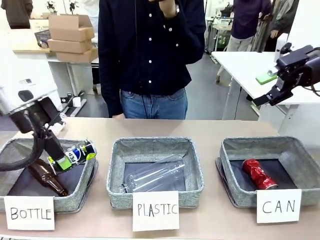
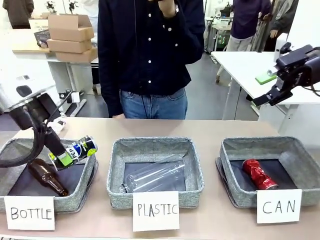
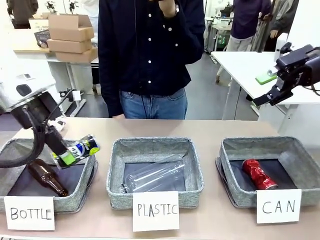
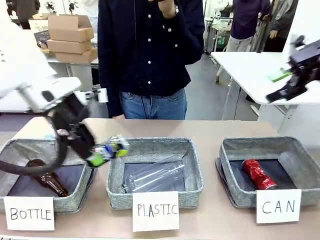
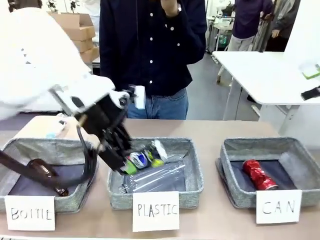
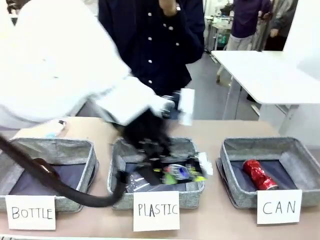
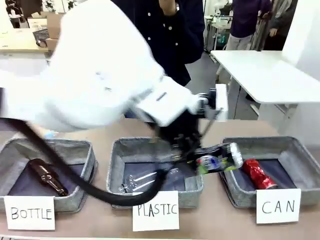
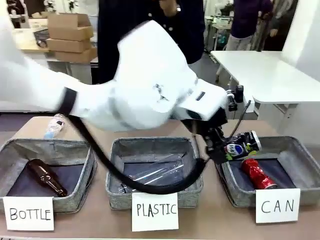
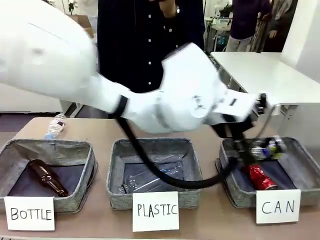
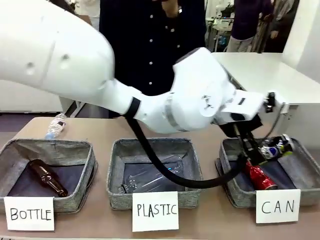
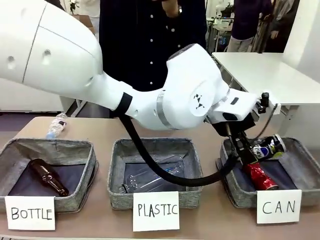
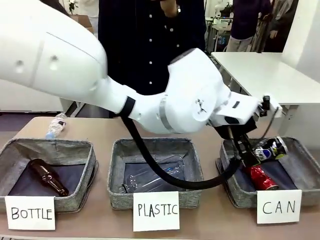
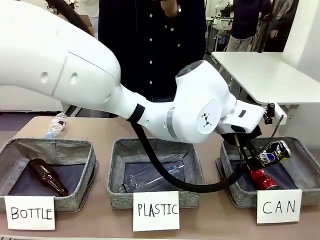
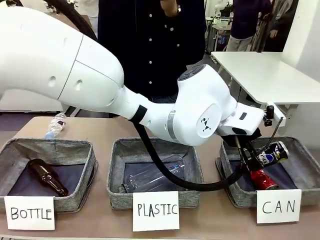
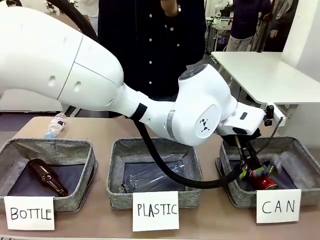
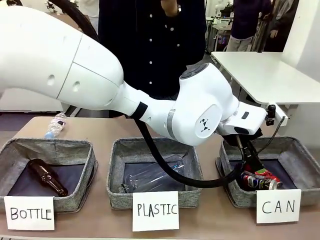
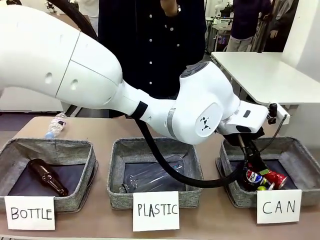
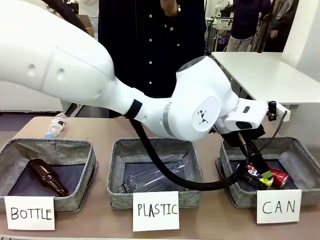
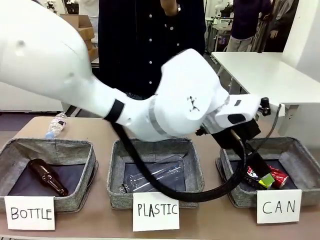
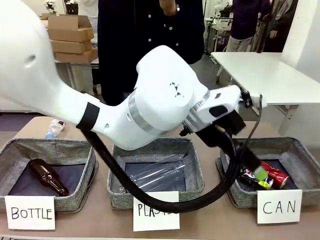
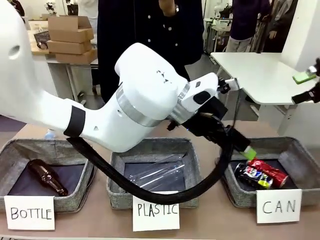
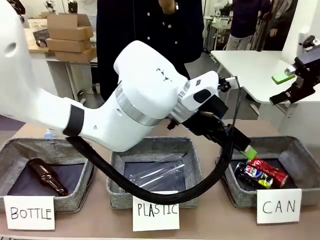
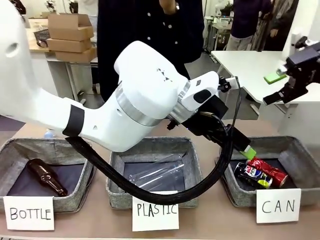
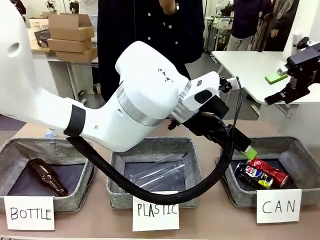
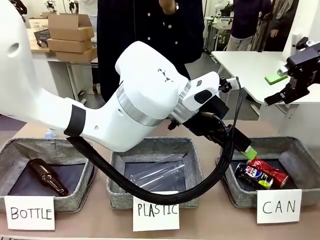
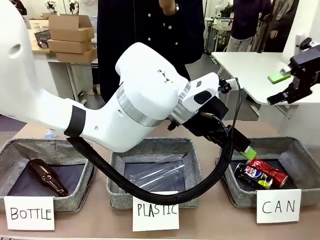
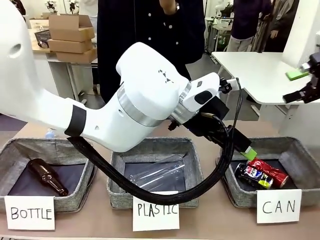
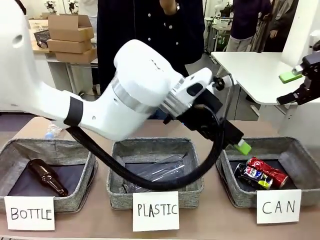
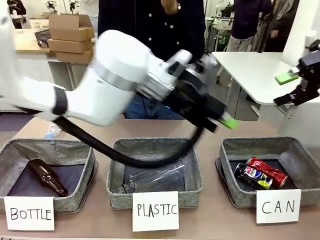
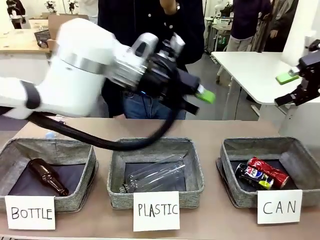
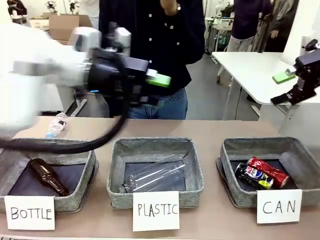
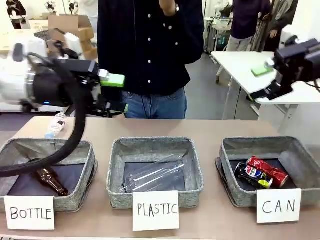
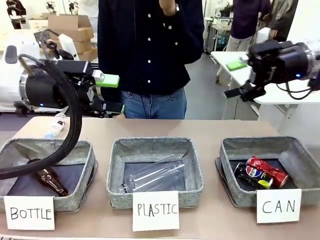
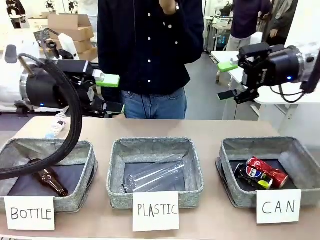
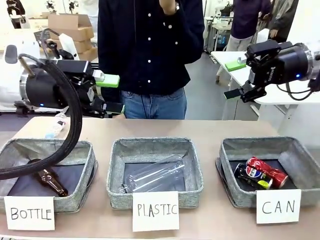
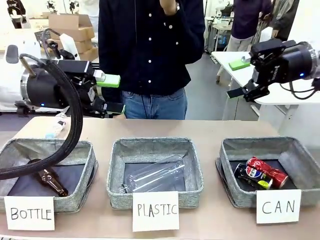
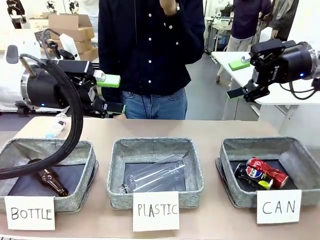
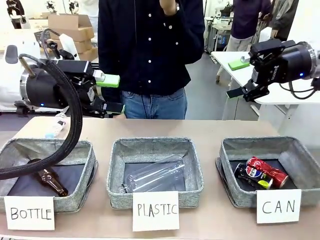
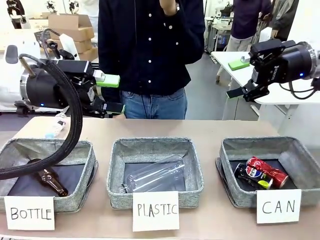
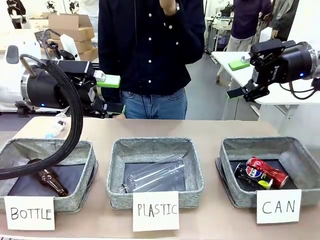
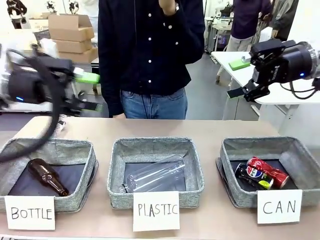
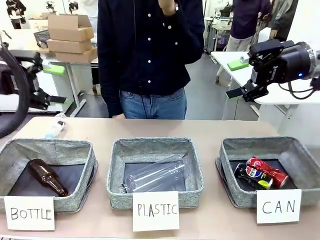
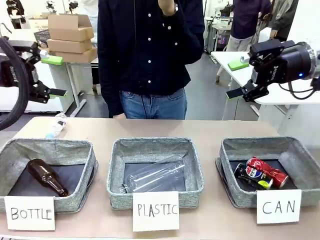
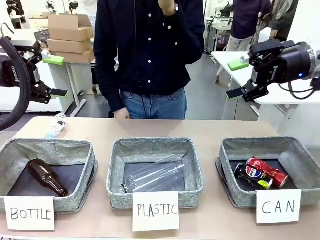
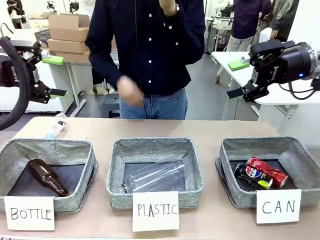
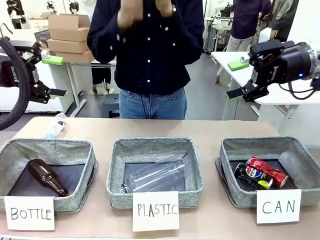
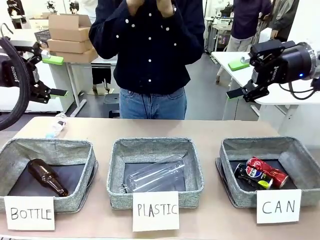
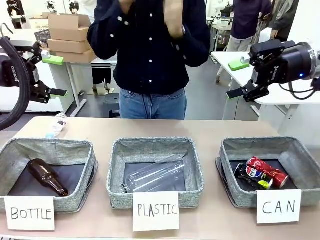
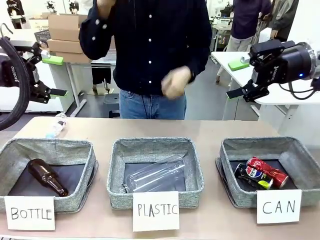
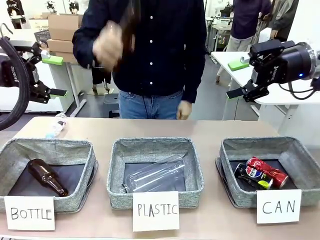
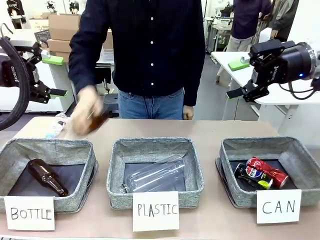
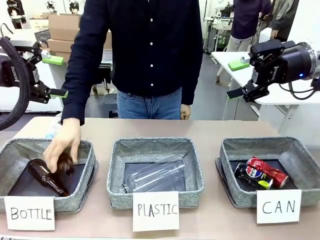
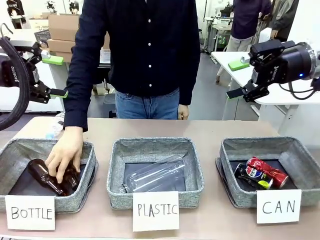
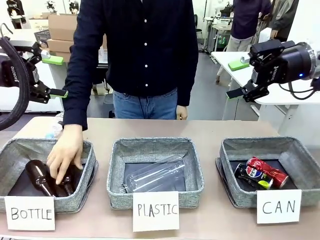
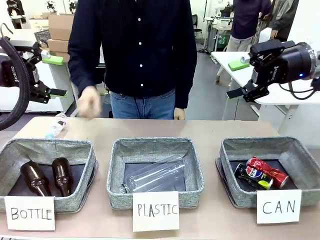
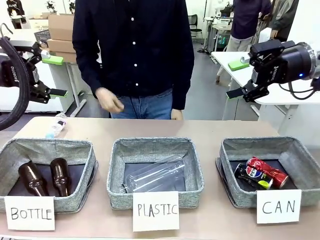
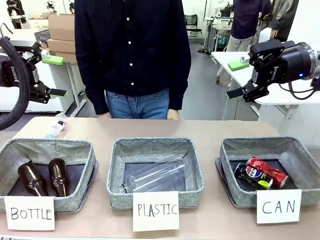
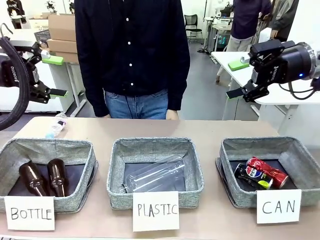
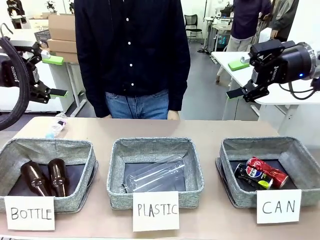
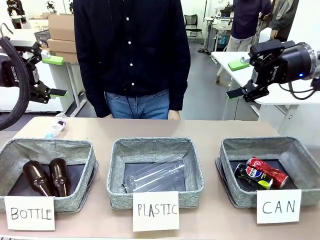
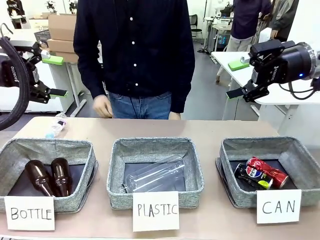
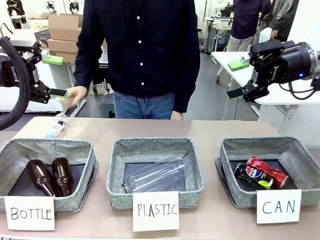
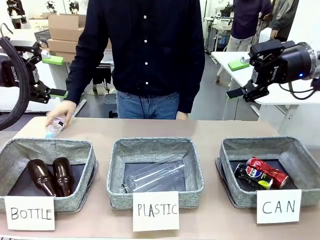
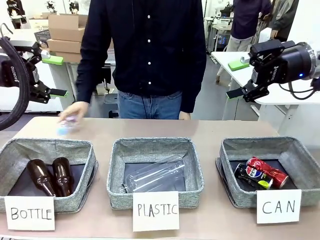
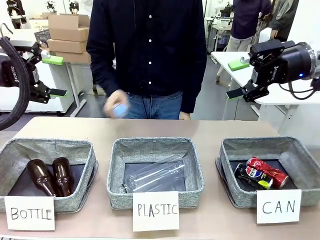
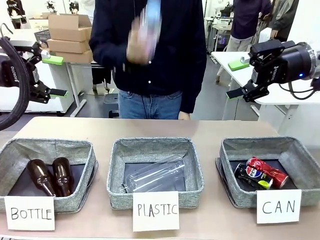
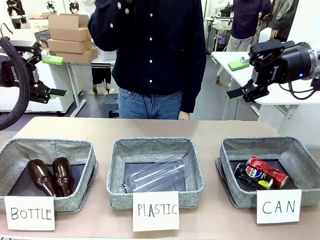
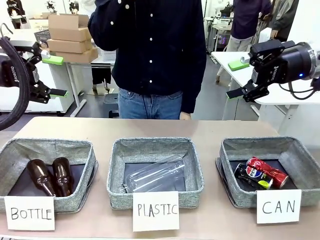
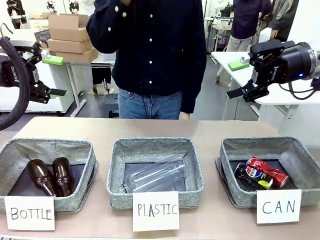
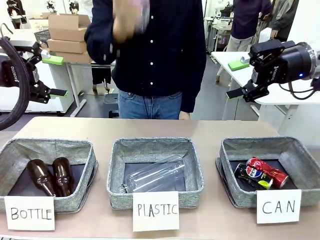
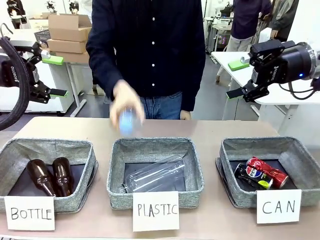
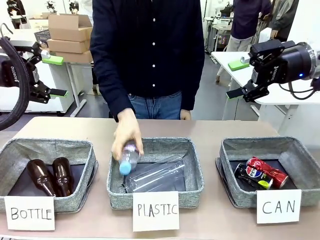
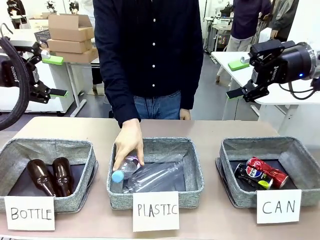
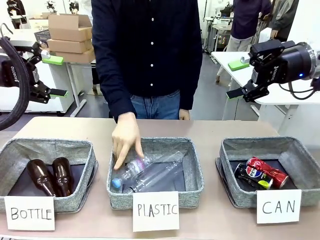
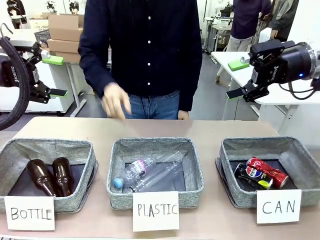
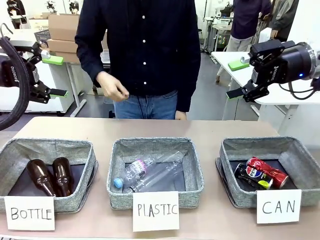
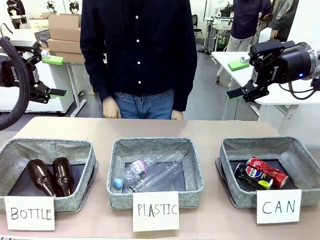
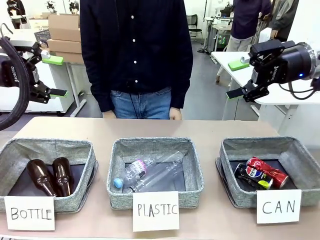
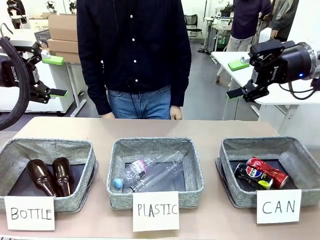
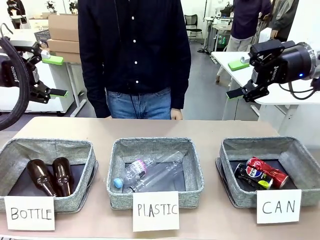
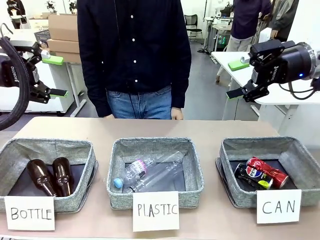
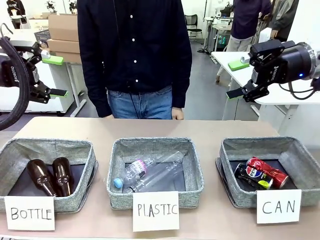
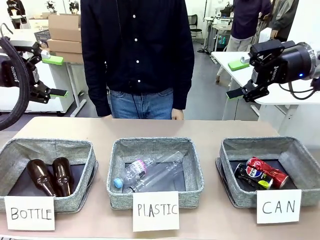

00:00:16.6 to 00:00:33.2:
Task: Sort the can waste into the basket.
Robot: Pick up the can waste from the table and place it in the right Fabric basket.

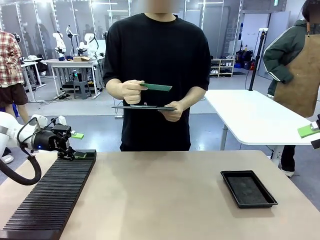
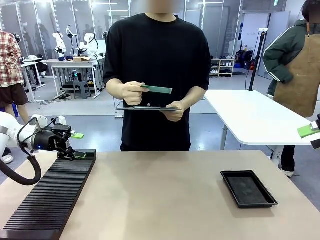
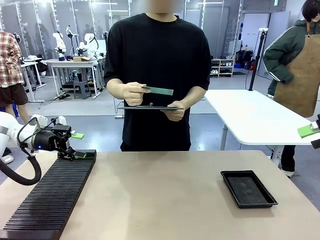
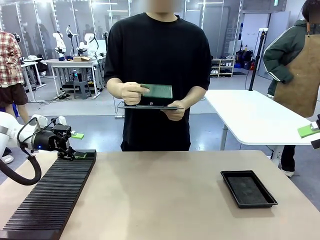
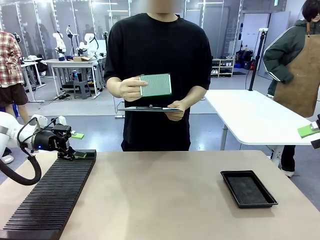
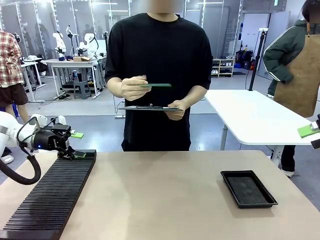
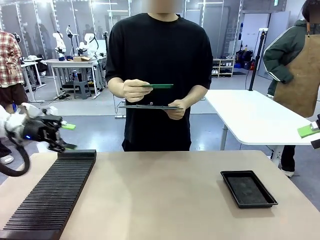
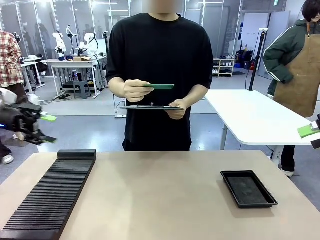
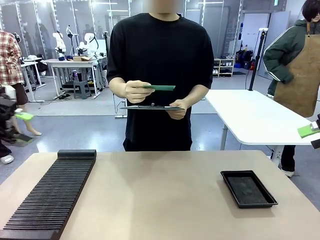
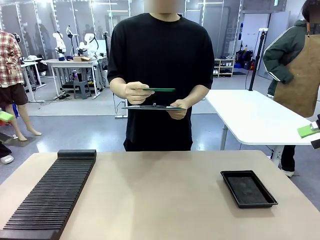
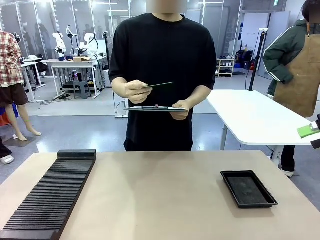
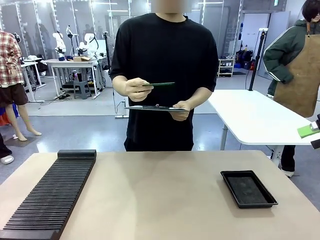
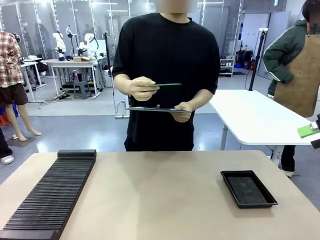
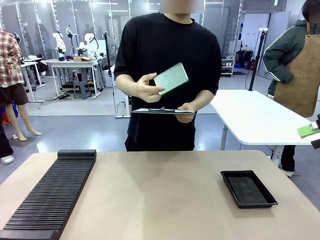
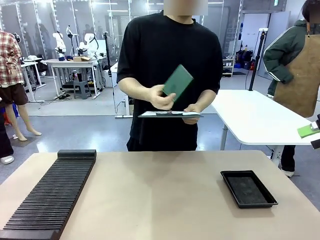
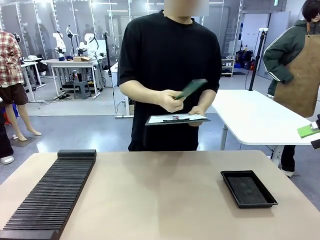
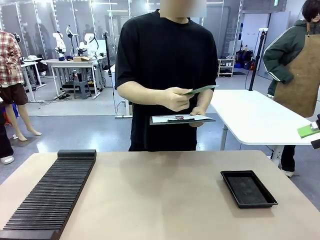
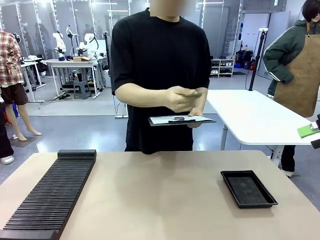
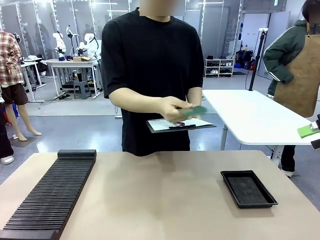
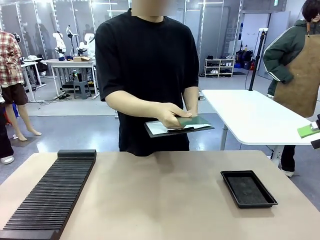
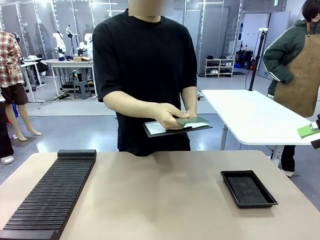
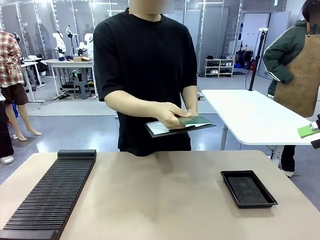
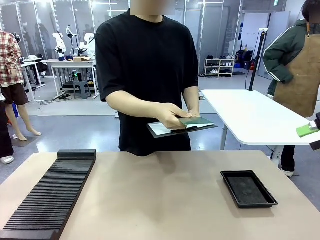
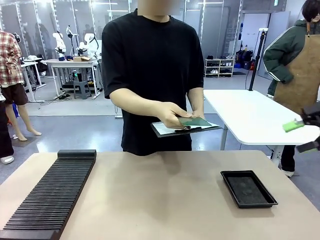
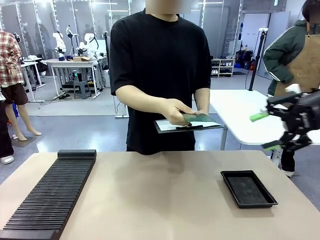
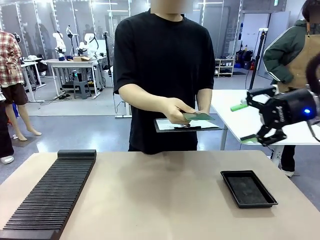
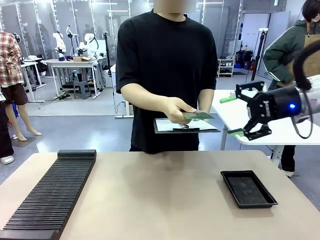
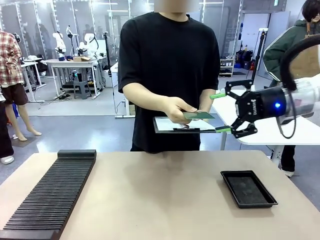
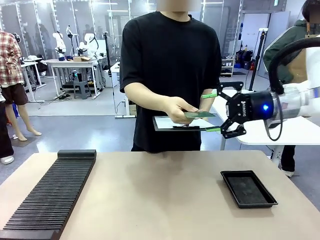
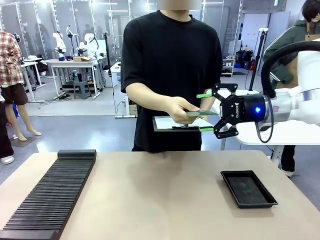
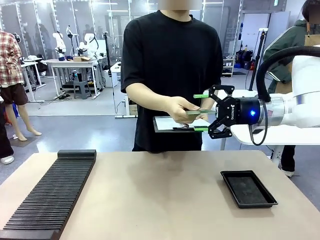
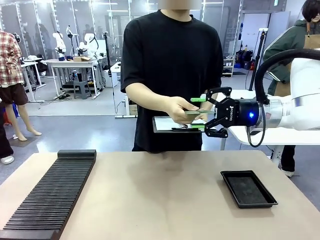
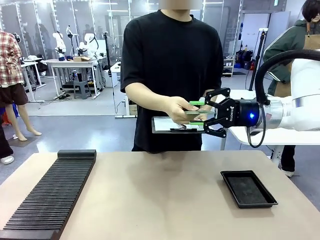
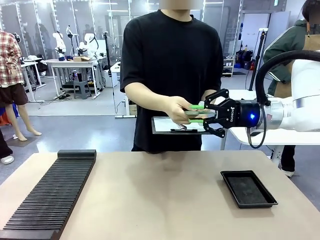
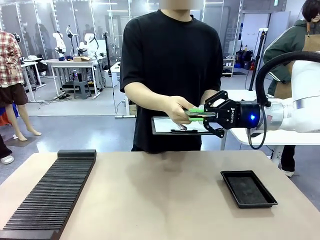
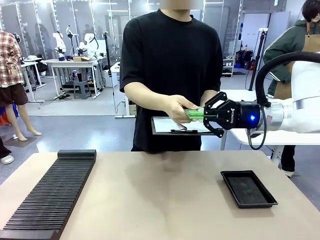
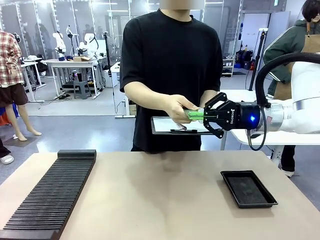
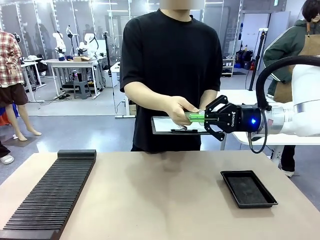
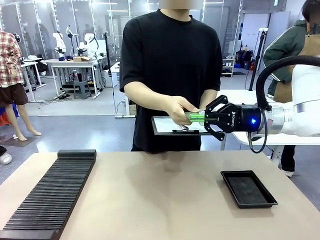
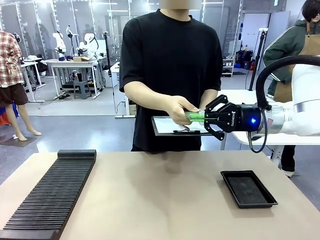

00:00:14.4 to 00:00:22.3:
Task: Inspect the PCB.
Robot: Pick up the Blank PCB that the human is holding.
Person: Inspect the PCB placed by the robot, then hold it out in front of the robot. Release the PCB you were holding.
